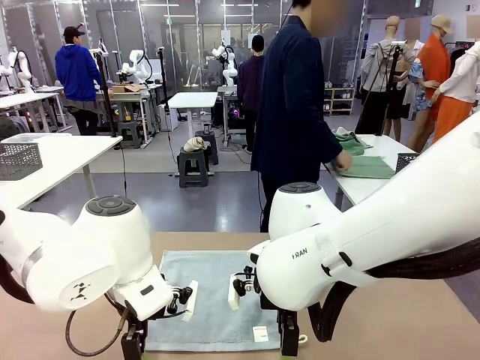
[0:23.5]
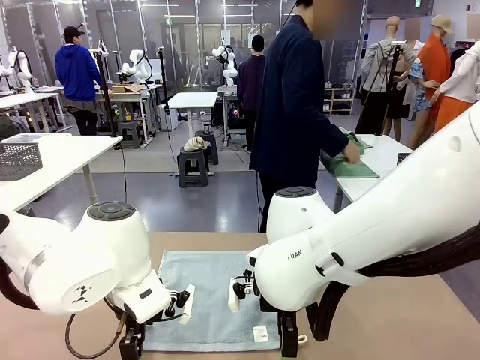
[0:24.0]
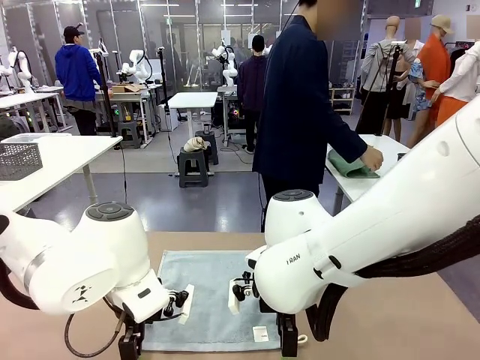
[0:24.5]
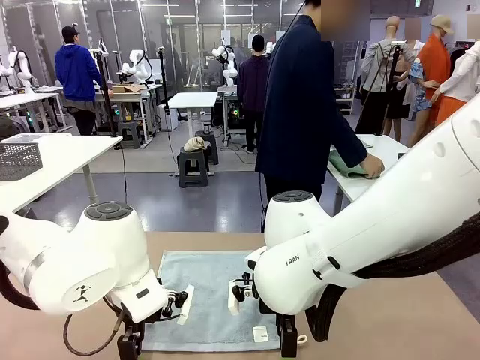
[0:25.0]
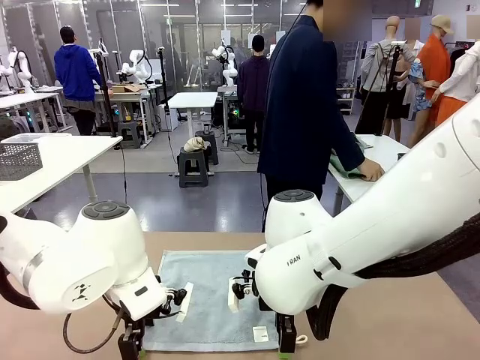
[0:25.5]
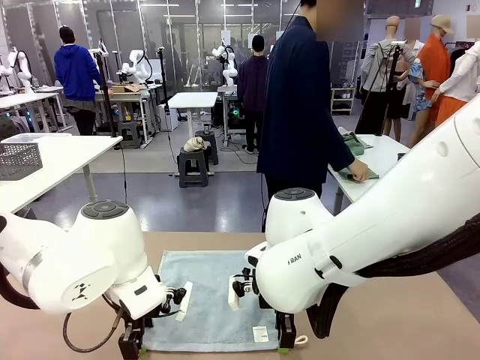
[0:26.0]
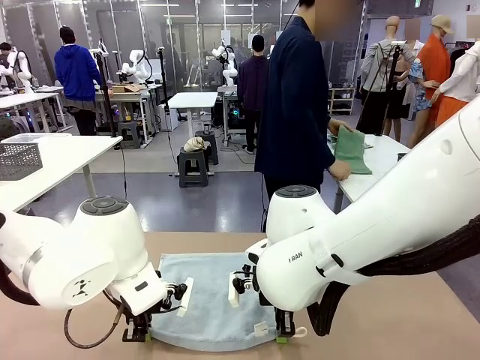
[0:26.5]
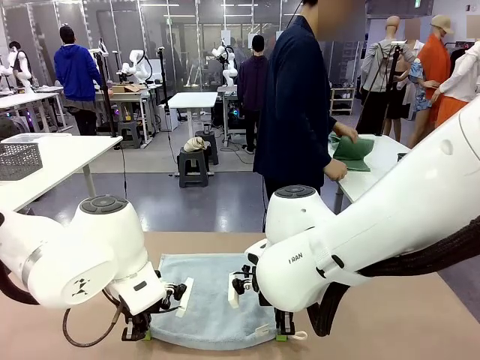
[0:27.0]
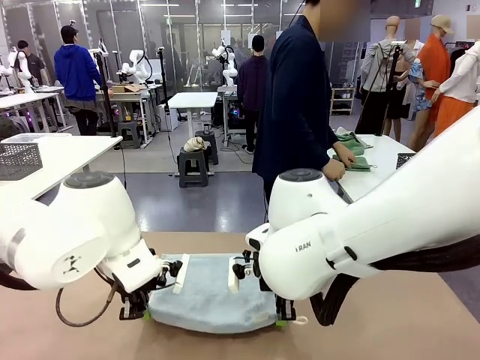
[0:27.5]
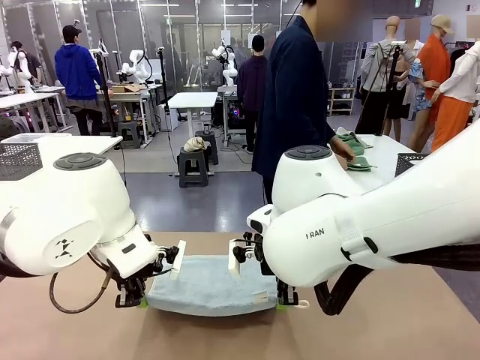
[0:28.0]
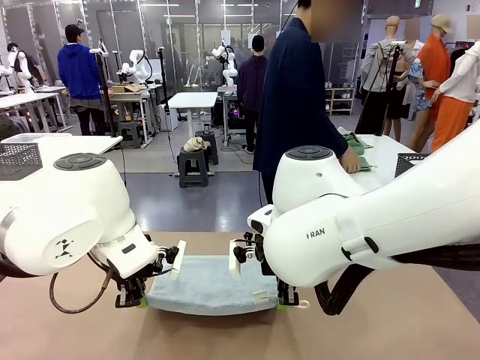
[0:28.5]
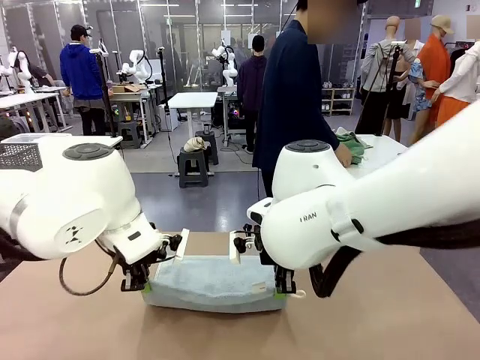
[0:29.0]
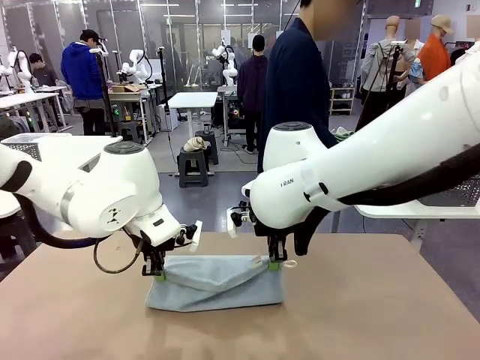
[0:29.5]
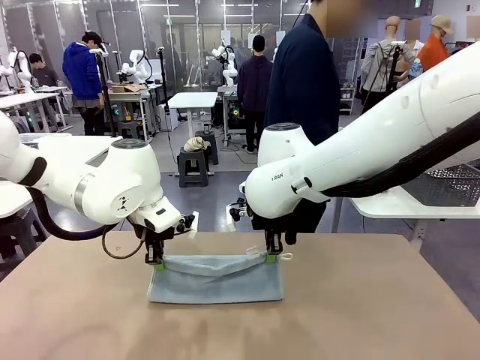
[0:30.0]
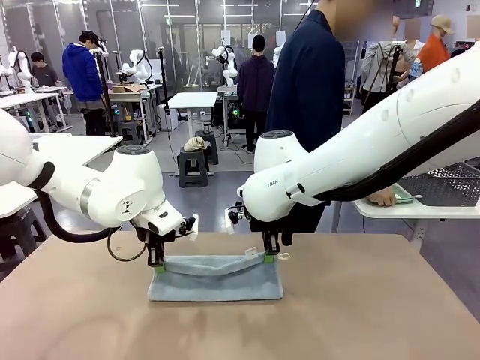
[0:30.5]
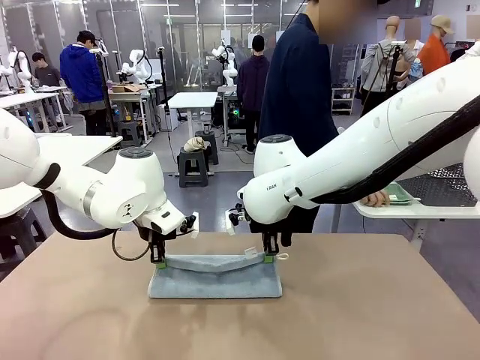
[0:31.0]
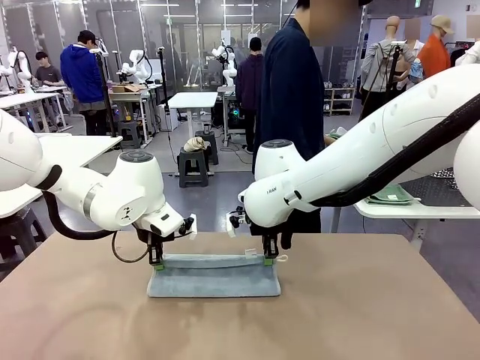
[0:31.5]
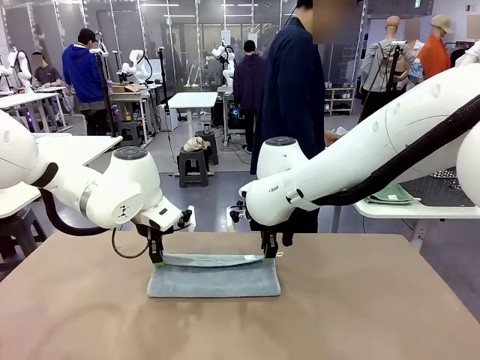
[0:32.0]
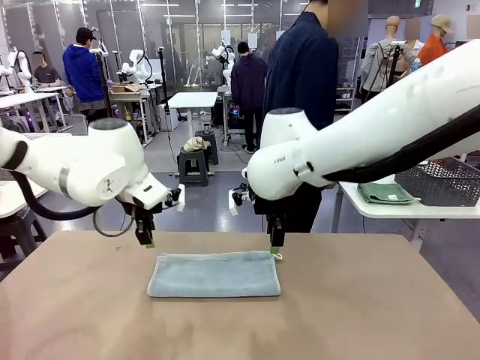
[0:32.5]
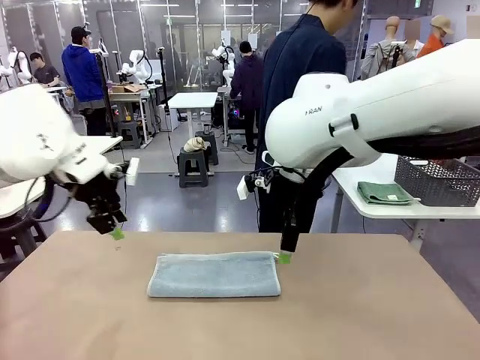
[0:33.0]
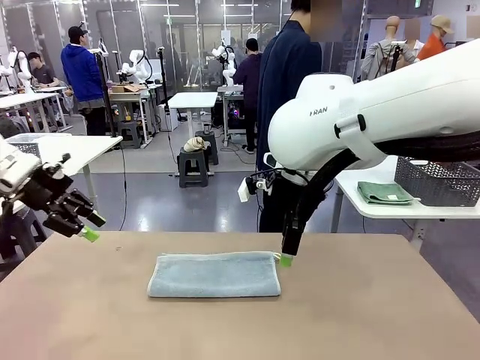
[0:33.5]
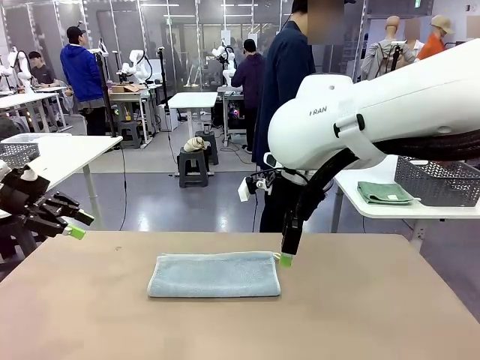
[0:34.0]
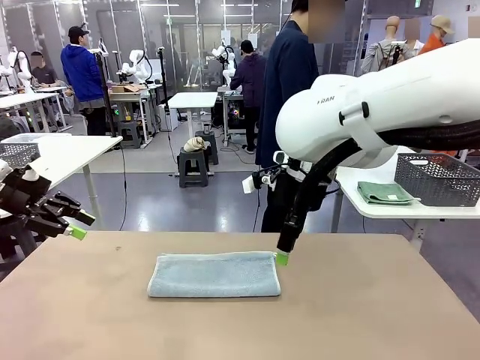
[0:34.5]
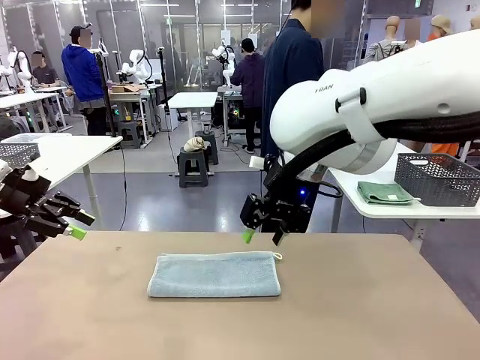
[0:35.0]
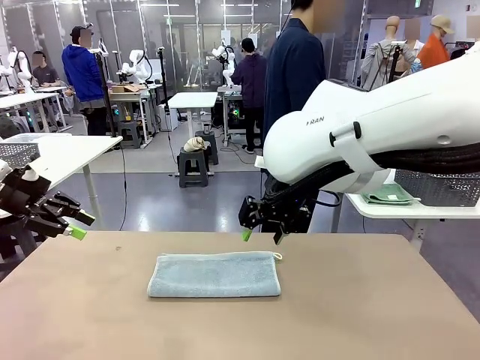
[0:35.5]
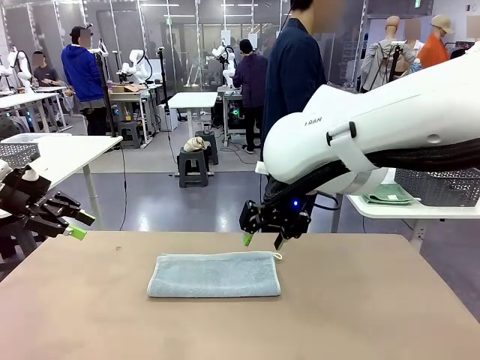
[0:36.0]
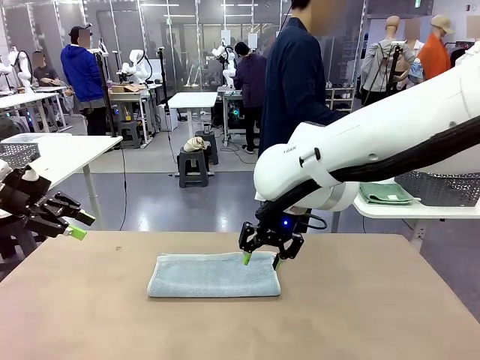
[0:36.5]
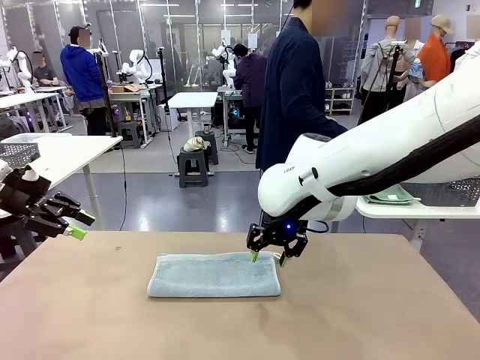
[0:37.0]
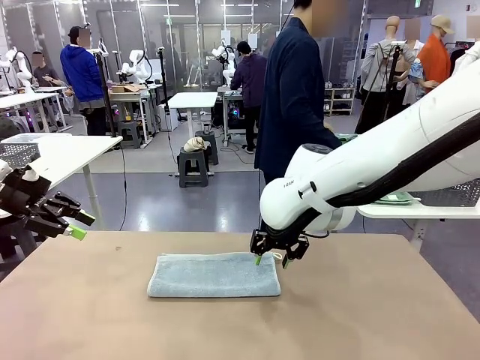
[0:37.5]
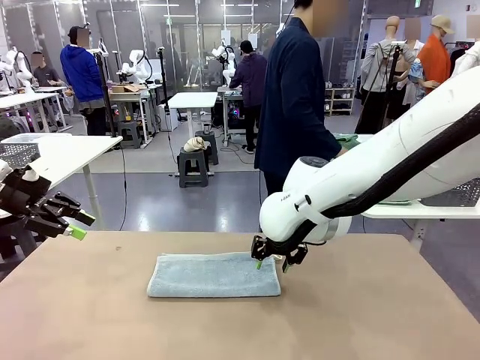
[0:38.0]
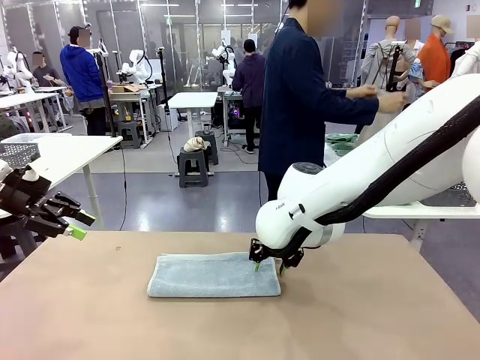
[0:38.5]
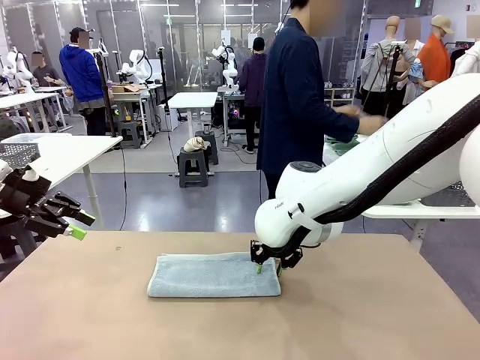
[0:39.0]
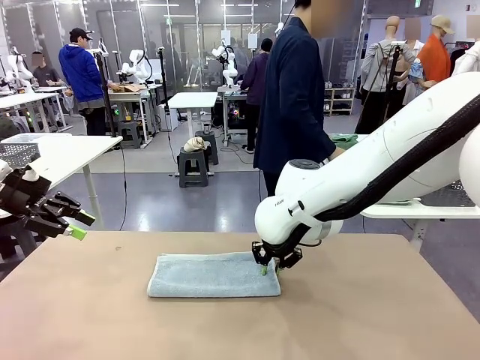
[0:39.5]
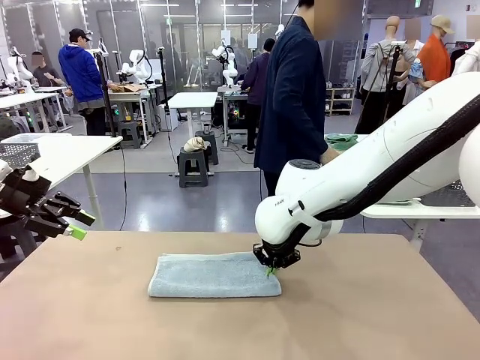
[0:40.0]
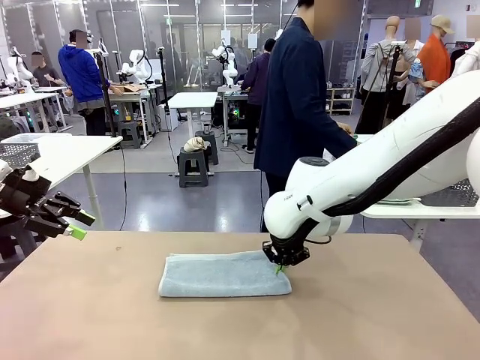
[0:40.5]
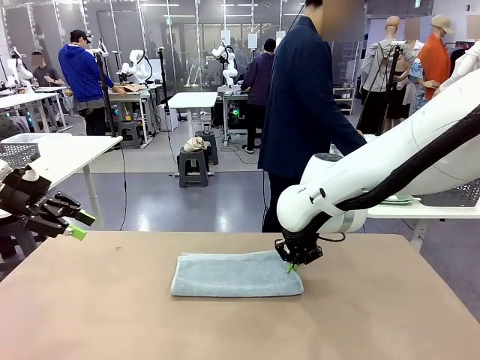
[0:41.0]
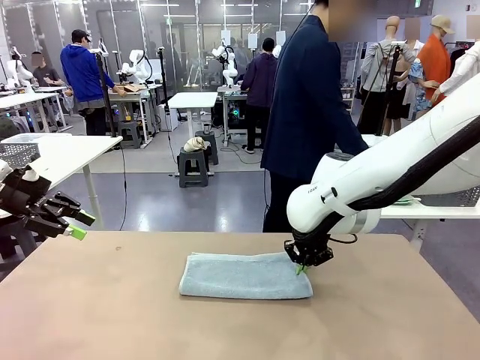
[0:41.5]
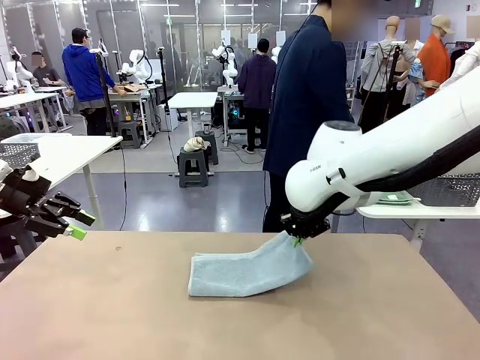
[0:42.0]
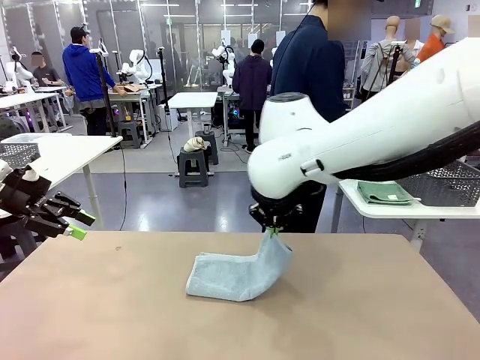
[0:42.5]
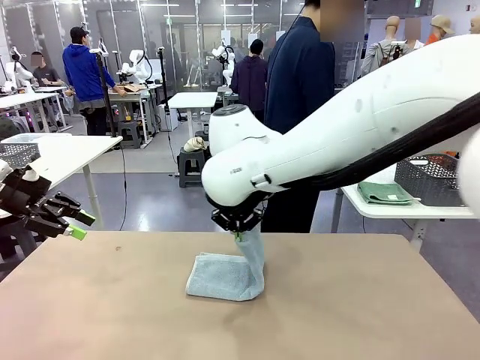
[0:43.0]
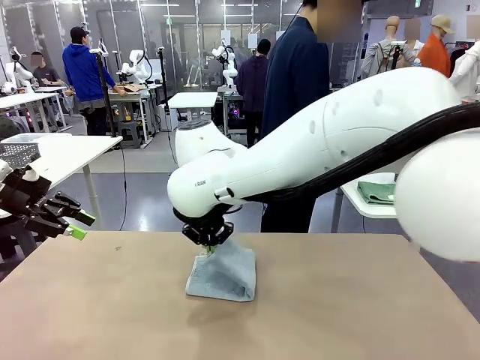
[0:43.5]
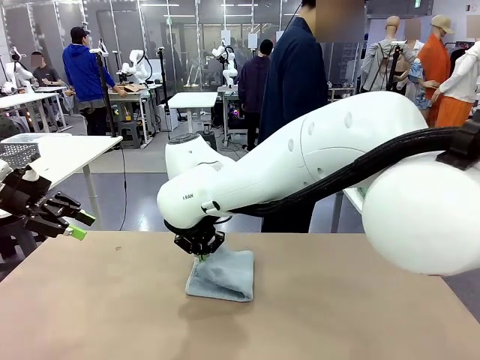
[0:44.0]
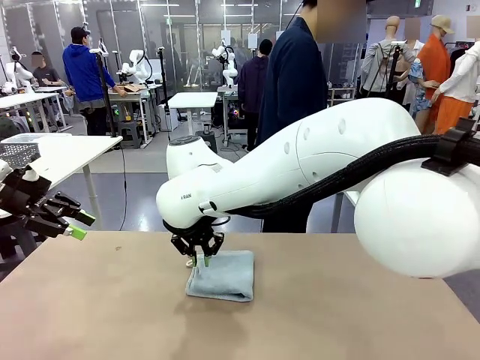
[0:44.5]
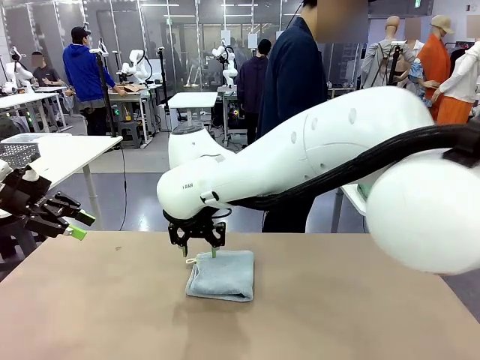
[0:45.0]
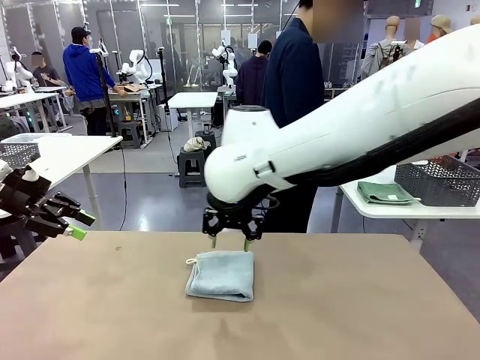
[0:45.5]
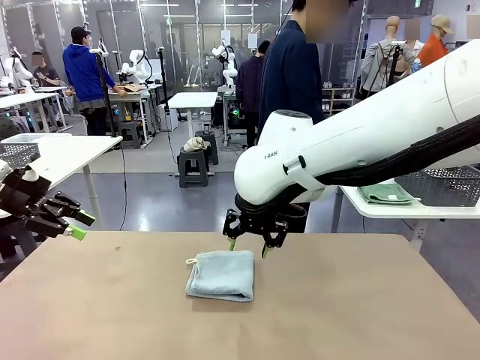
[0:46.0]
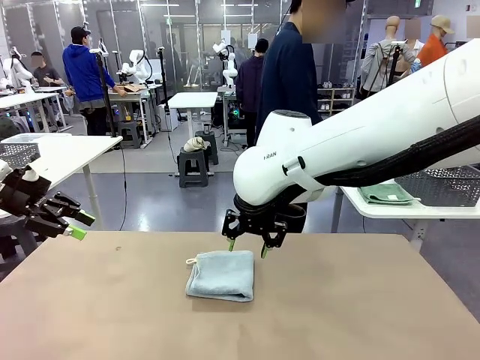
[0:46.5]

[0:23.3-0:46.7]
Task: Fold the towels and place them in the basket.
Robot: When a person lays out a Towel with hook on the table, fold it in half twice.
Person: Pick up one towel from the left side of the human table, fold it in half twice, and place it on the right side of the table. Pick up one towel from the left side of the human table, fold it in half twice, and stack it on the right side of the table.
